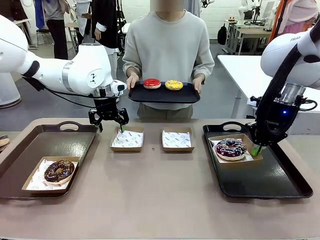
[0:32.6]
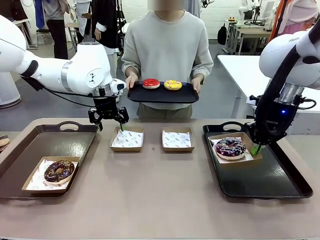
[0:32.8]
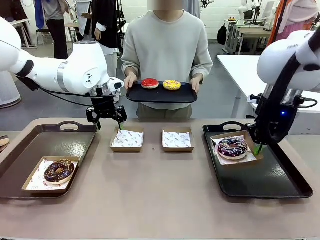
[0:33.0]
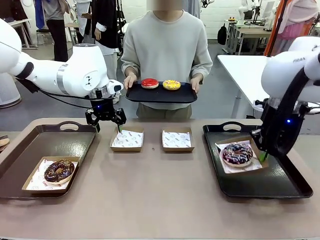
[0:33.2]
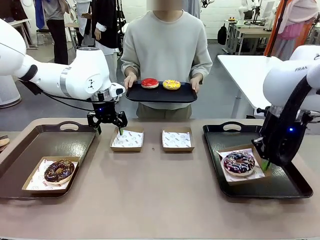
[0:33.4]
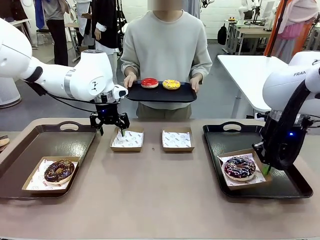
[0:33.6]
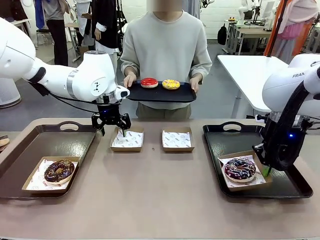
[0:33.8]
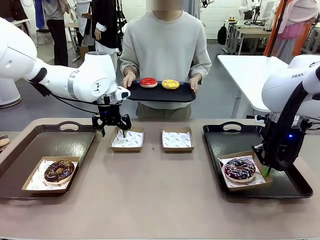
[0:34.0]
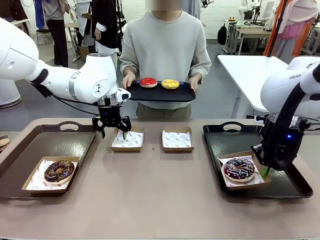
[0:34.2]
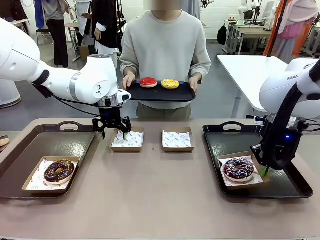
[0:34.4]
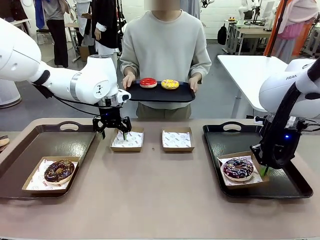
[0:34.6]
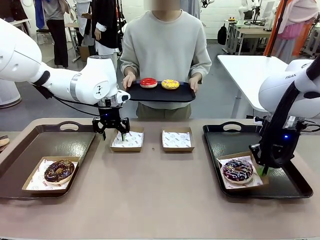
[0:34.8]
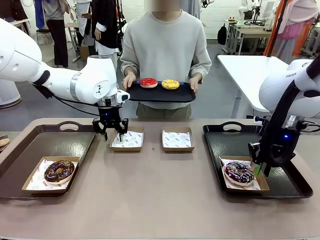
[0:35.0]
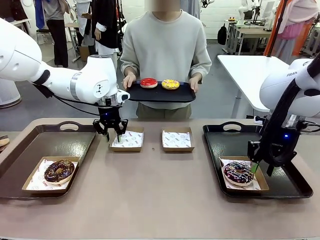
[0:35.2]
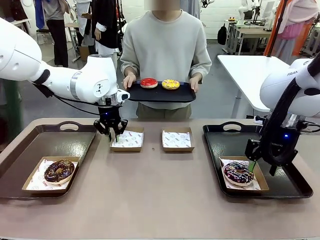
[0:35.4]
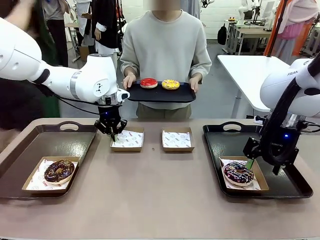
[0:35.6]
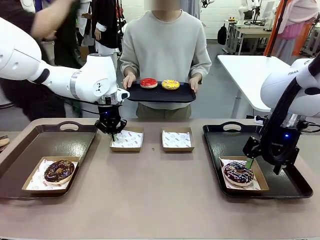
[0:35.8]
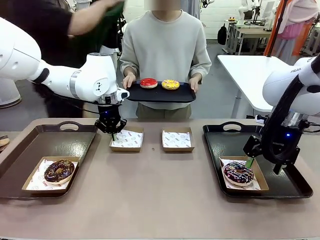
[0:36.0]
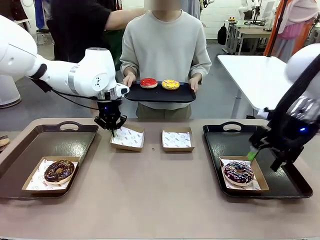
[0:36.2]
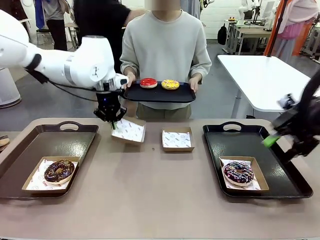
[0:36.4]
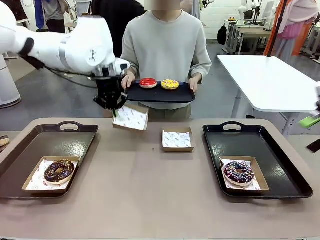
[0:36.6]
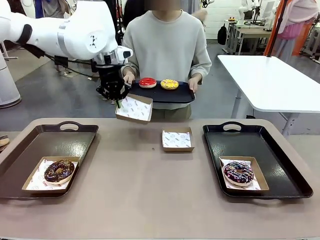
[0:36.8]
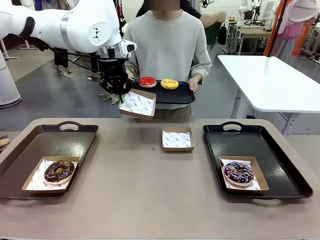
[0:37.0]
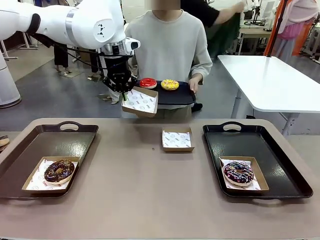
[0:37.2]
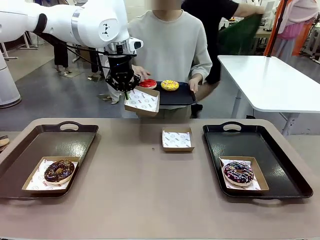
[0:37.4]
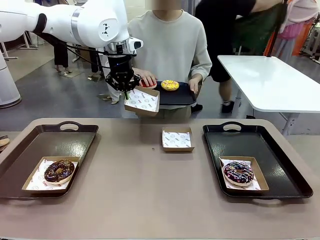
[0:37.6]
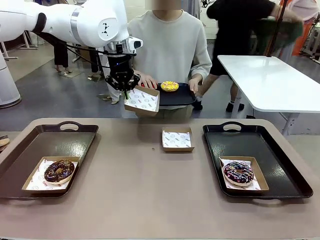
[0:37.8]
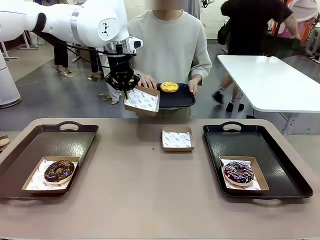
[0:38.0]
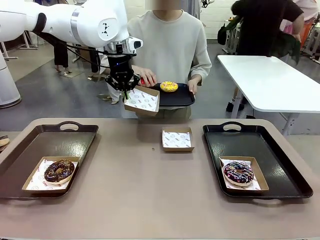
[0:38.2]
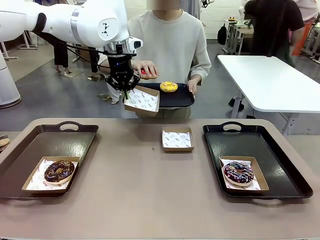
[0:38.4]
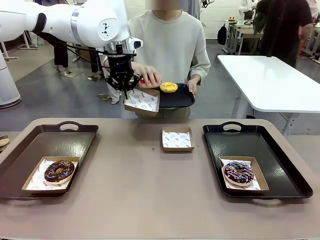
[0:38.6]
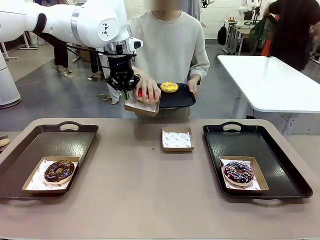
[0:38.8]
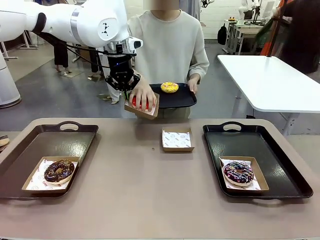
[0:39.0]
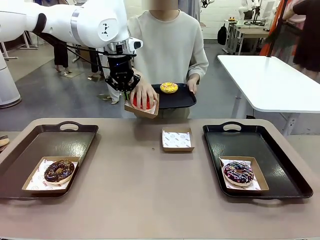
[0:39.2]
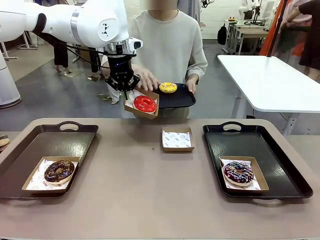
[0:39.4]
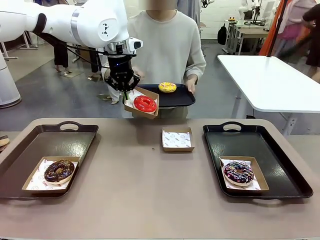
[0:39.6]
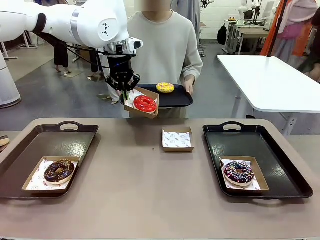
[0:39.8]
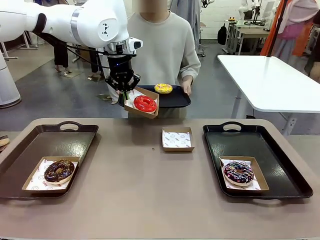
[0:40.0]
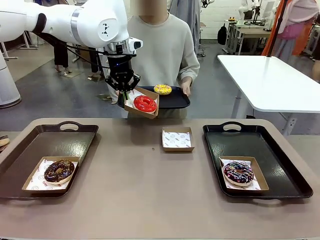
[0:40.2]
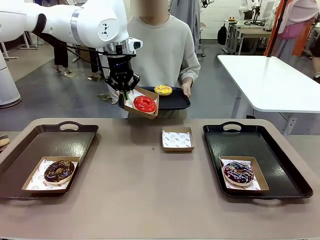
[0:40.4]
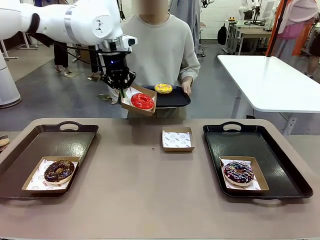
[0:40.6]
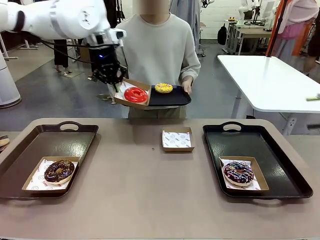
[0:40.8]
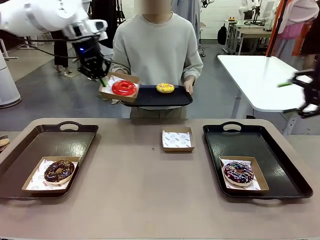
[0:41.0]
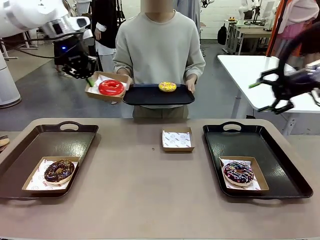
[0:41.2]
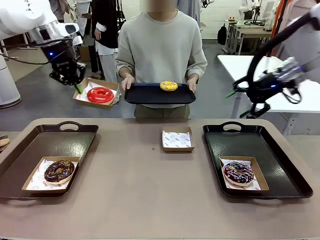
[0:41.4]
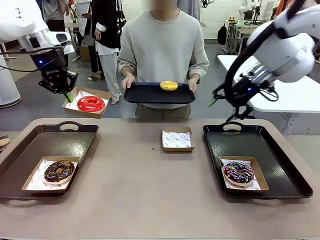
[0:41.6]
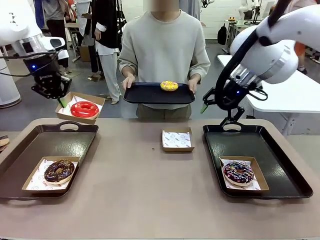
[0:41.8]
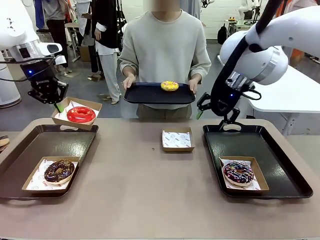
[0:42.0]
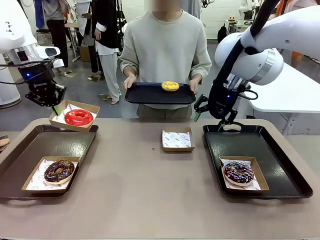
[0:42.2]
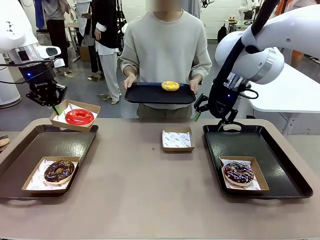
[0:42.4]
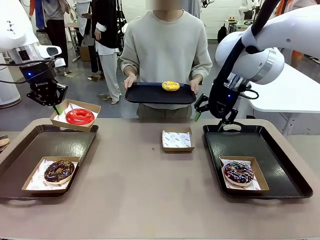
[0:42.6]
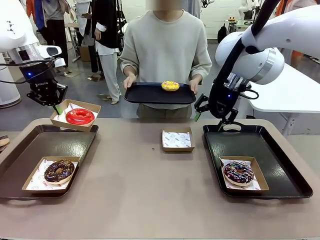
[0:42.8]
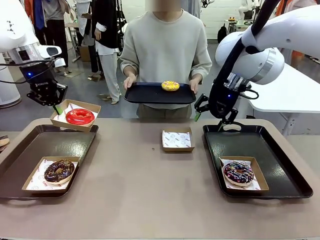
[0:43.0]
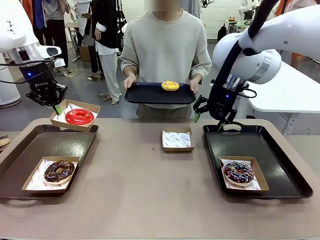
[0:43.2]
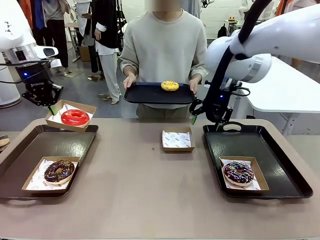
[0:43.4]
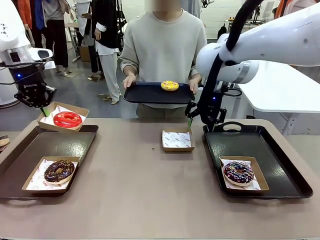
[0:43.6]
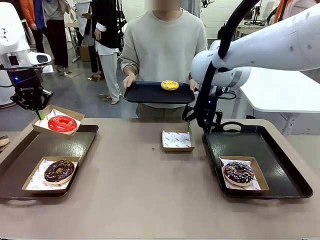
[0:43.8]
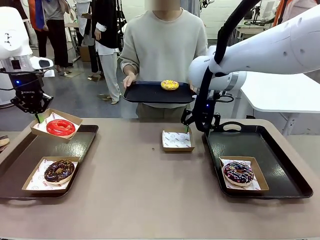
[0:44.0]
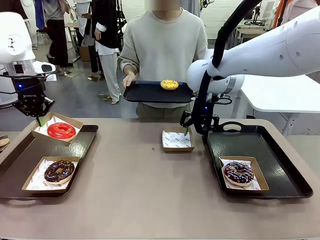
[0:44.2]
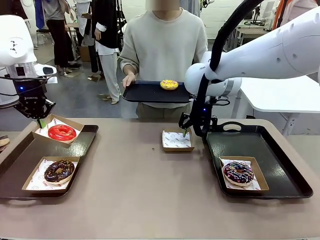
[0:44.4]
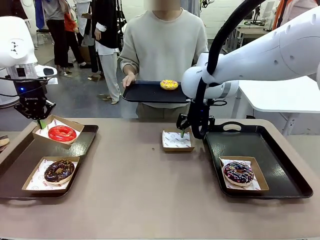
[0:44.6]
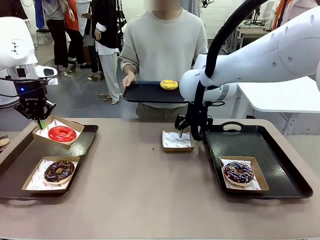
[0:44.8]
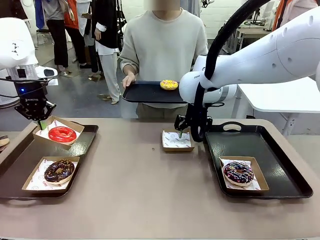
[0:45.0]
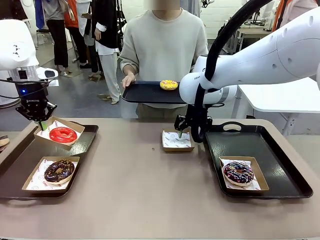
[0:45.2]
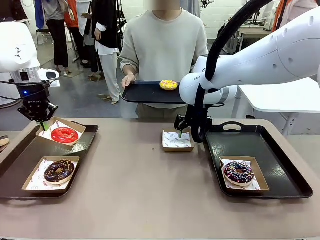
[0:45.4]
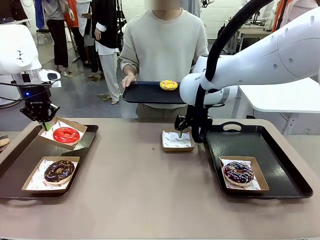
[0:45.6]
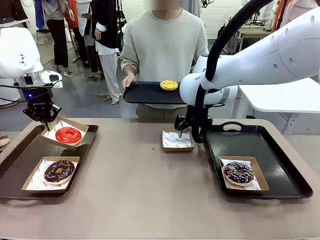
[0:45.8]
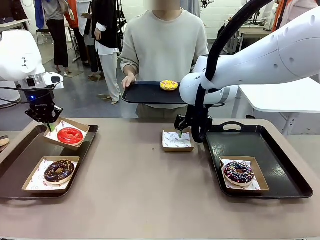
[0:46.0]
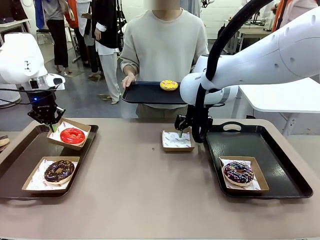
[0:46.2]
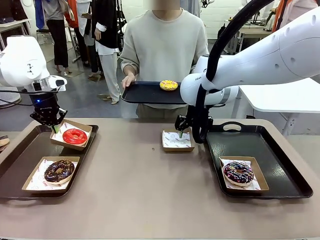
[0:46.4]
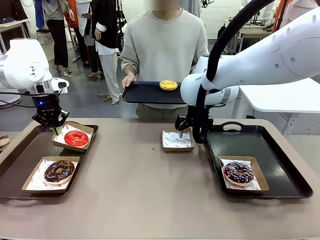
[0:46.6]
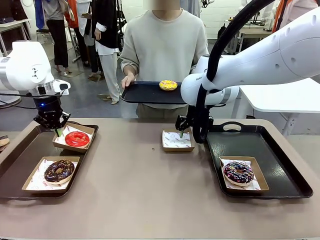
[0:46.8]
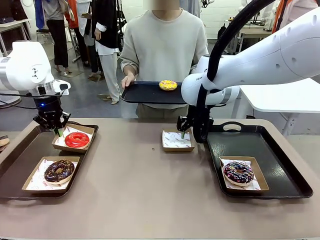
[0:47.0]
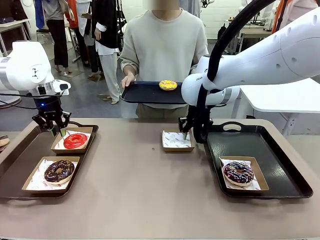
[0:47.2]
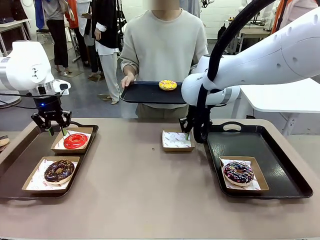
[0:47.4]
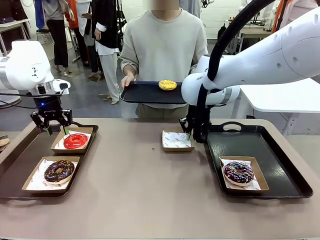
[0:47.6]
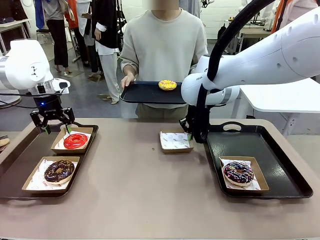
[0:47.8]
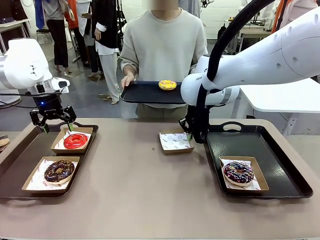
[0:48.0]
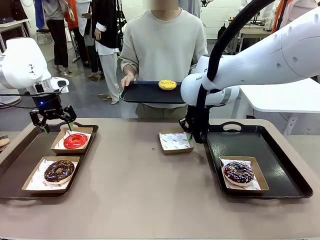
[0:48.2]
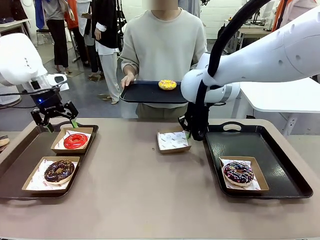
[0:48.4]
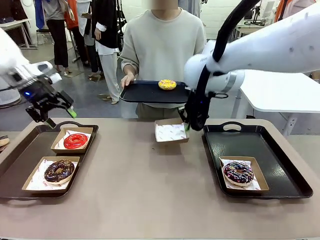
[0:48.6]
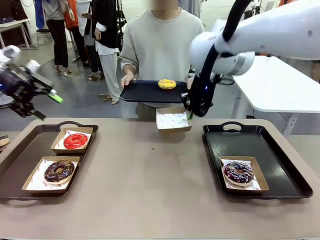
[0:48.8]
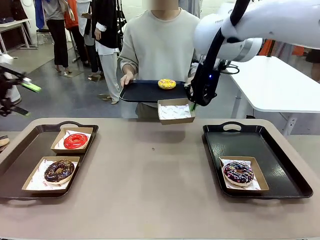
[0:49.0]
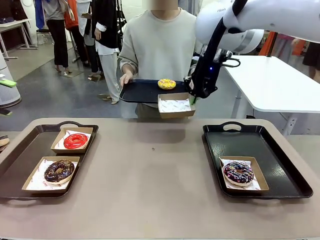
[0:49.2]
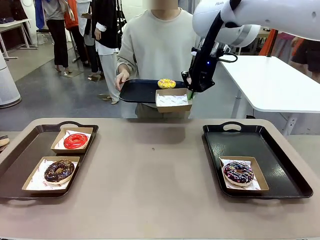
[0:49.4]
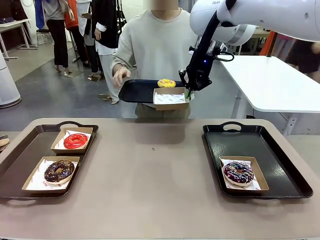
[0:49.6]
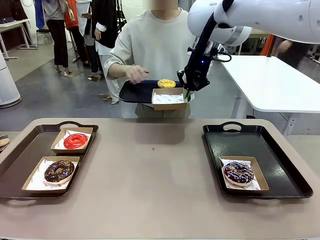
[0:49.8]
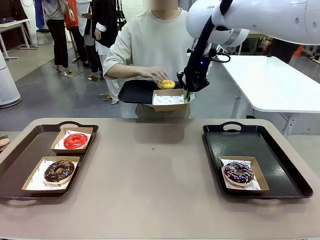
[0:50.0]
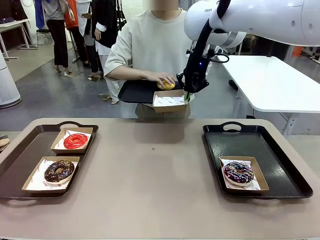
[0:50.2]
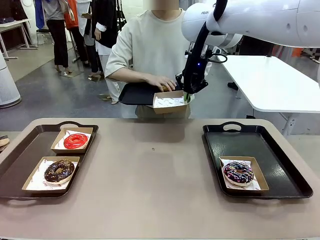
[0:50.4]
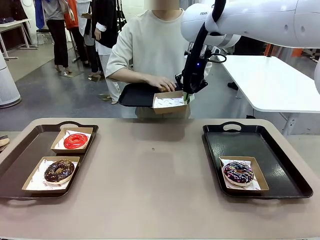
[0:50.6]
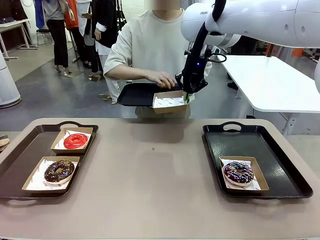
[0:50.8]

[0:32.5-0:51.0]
Task: Individually package the donuts and arrange them on the tray.
Robot: Place the picked Paper togo box on the Handle tray while simultaneously picking up another Paper togo box from the table with the other hand.
